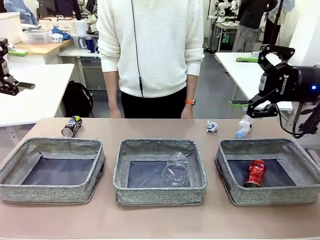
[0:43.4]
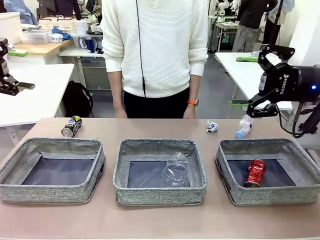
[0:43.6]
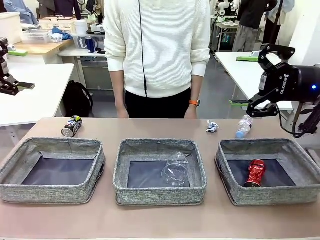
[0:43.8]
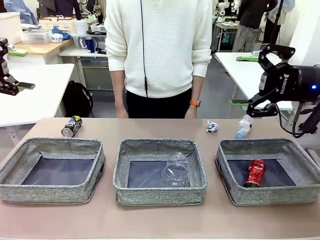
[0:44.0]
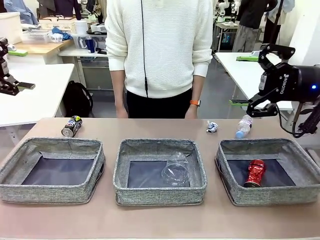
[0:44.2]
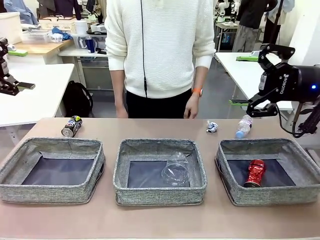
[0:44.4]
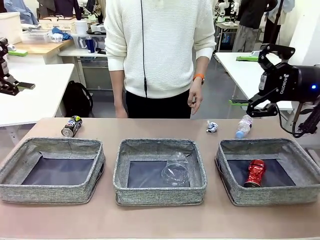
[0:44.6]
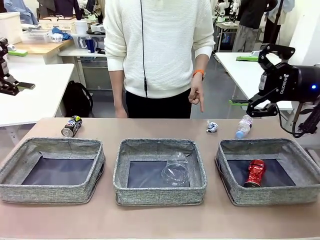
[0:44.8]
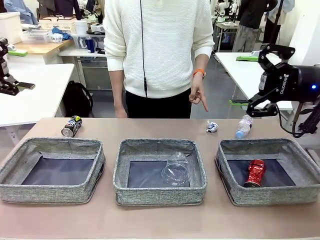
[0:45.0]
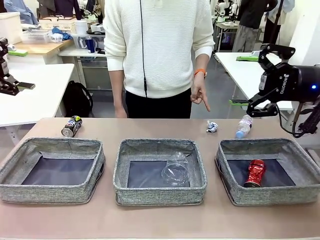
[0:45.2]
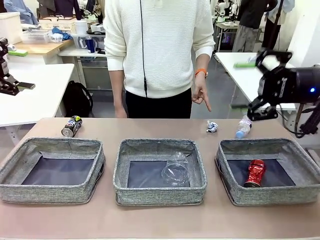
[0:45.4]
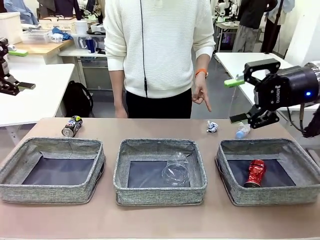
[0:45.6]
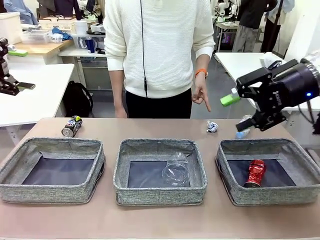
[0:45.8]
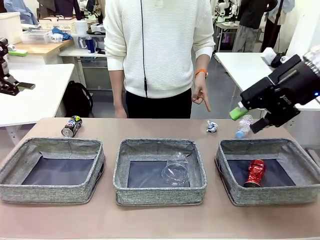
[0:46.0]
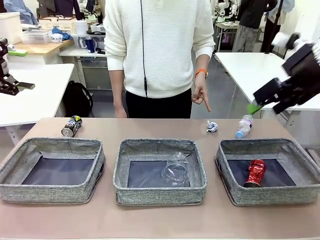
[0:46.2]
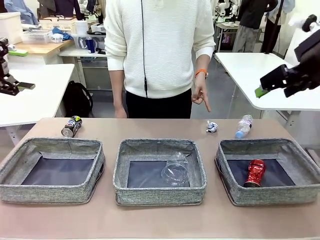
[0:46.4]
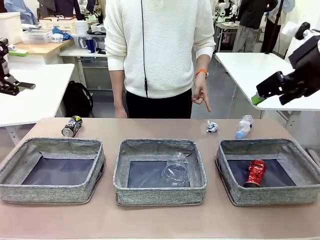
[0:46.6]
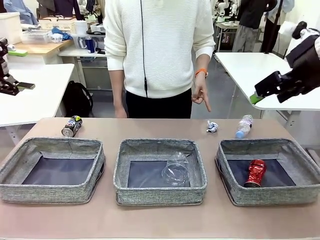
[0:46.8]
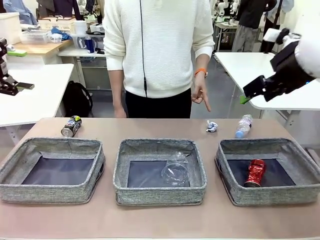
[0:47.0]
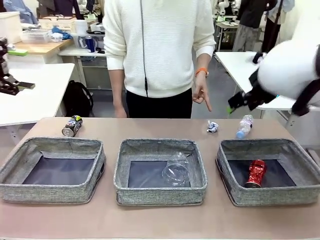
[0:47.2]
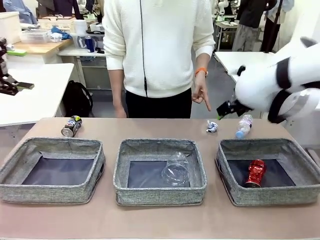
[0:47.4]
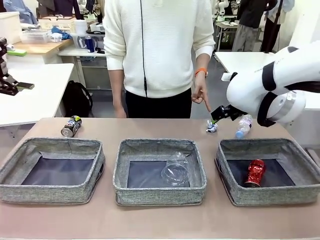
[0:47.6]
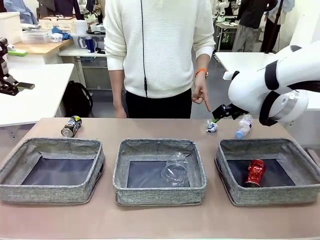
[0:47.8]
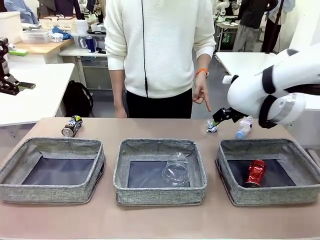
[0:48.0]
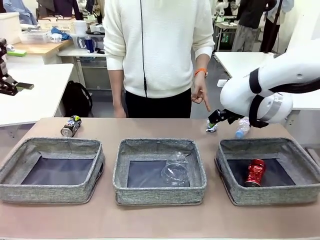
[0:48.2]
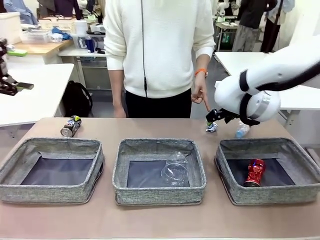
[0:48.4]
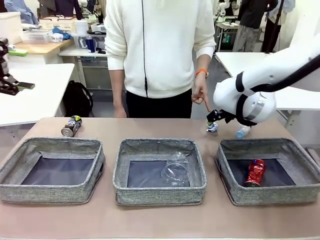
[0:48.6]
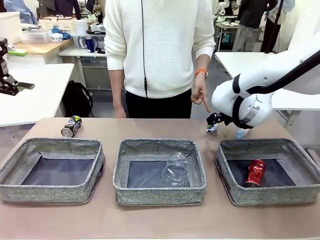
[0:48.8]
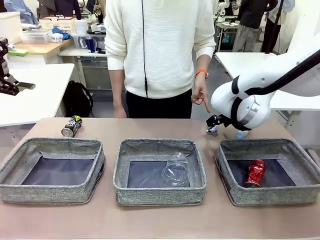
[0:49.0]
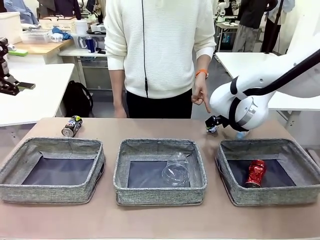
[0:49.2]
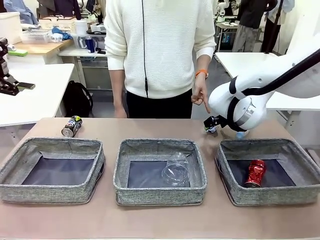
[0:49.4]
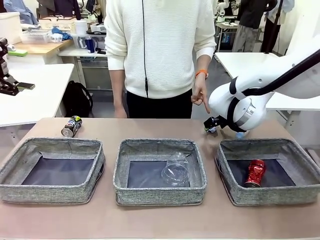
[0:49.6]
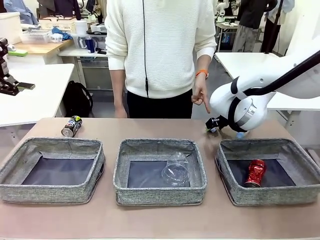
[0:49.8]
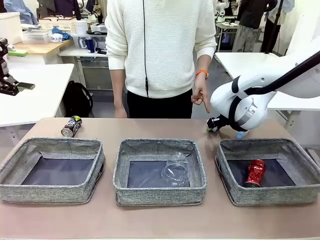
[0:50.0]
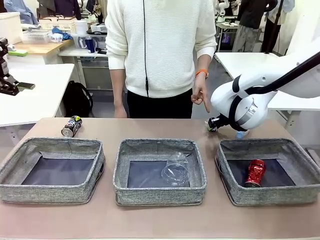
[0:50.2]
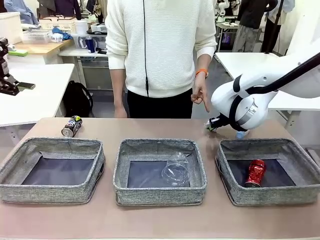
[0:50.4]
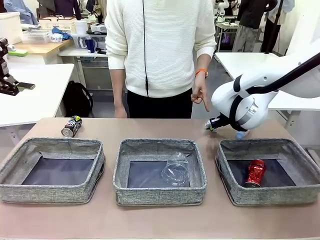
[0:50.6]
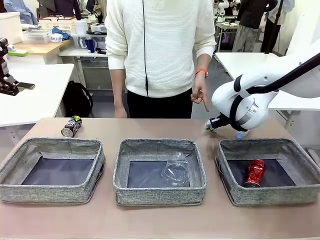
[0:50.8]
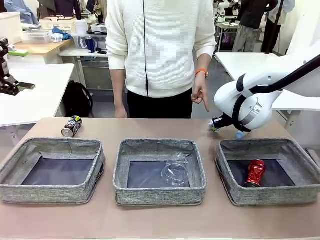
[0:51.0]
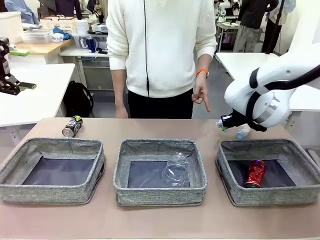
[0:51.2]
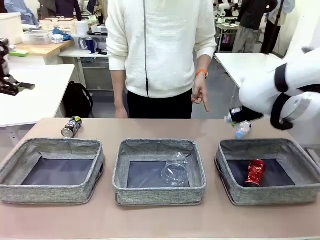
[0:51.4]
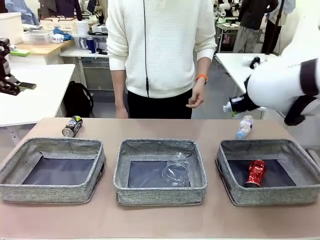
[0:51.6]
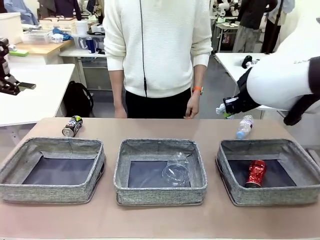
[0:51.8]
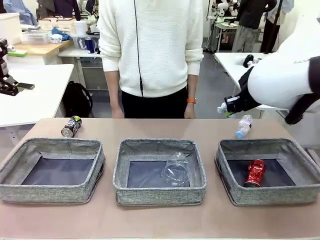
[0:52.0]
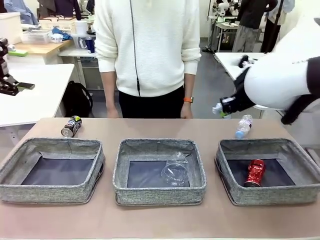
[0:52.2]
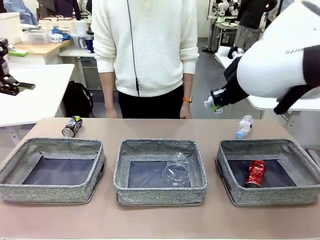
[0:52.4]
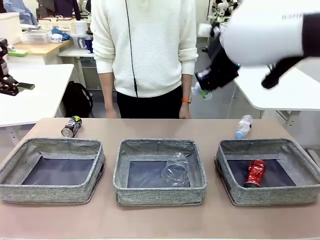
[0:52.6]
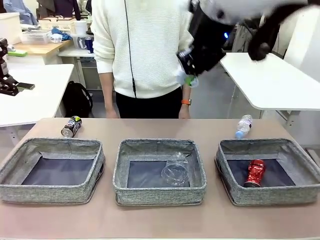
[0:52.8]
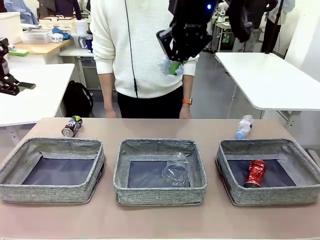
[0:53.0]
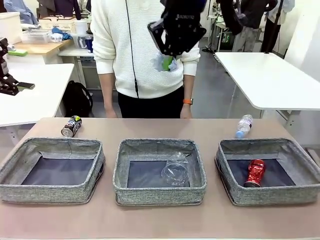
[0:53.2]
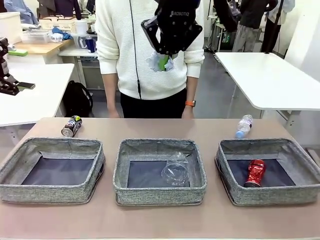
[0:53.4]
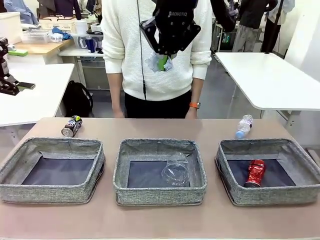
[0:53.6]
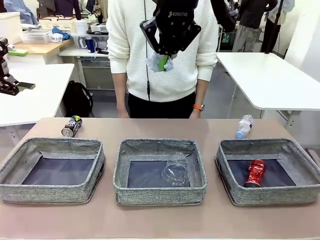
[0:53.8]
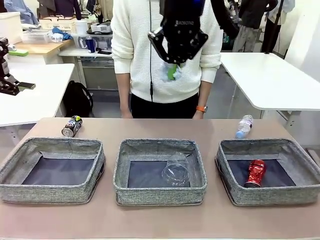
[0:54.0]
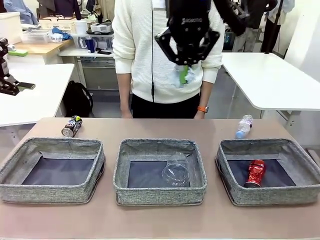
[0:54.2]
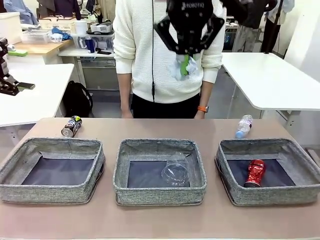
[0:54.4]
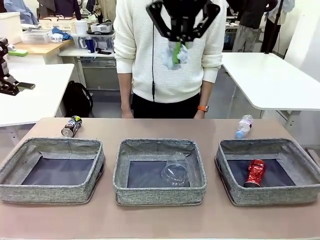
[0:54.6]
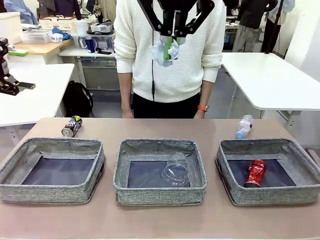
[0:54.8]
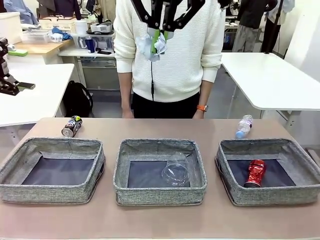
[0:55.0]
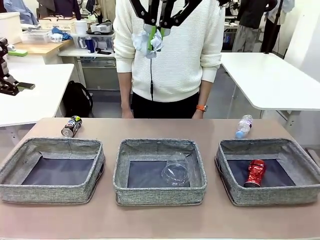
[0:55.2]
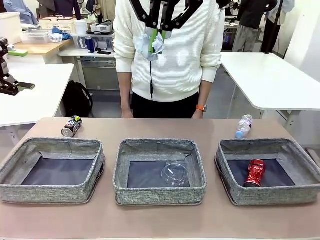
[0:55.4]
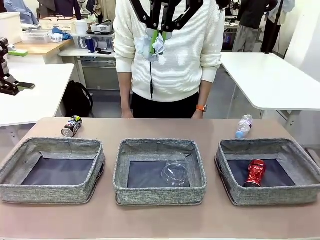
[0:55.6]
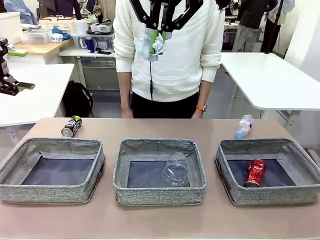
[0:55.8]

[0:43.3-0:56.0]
Task: Sort the waste into the appropriate baskets.
Robot: Pick up the waste item pointed out by the person.
Person: Points to one piece of trash on the table.

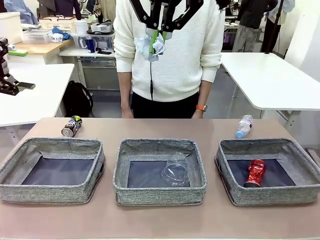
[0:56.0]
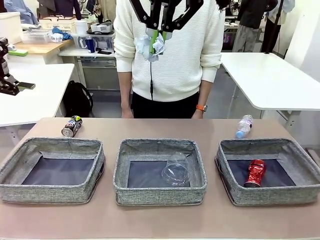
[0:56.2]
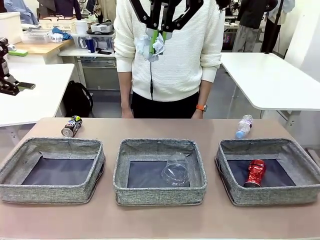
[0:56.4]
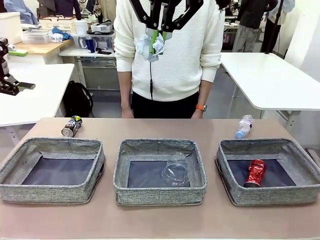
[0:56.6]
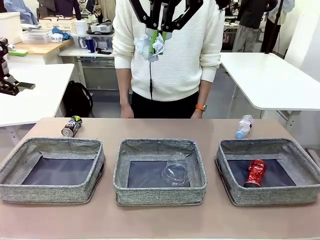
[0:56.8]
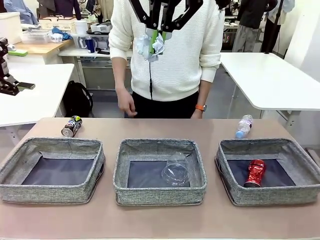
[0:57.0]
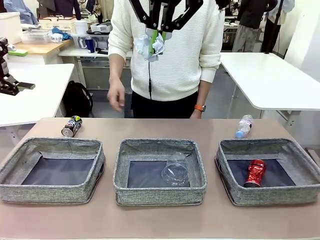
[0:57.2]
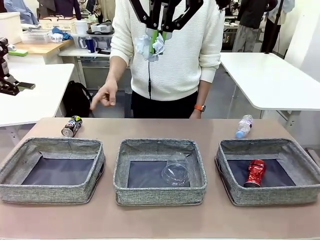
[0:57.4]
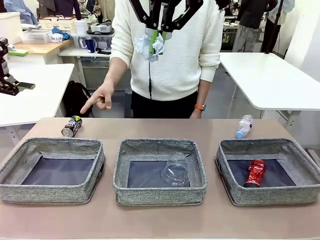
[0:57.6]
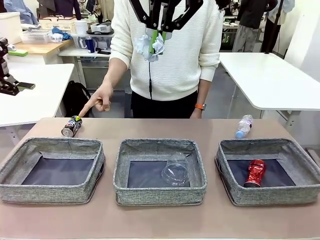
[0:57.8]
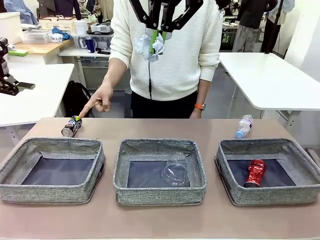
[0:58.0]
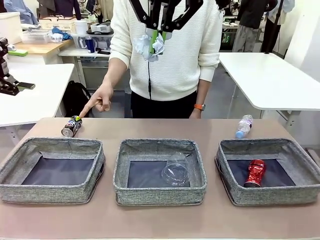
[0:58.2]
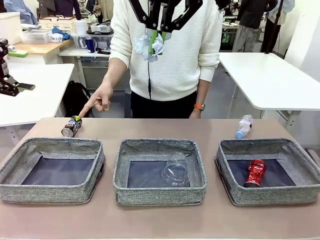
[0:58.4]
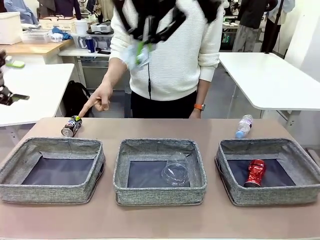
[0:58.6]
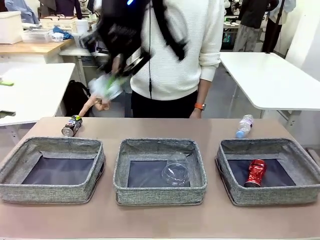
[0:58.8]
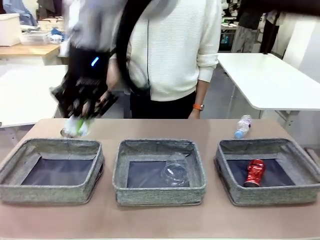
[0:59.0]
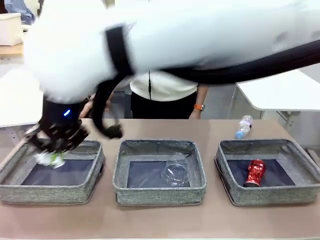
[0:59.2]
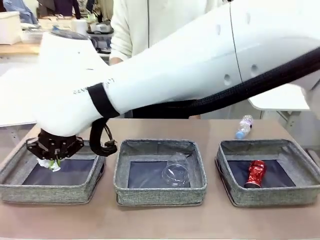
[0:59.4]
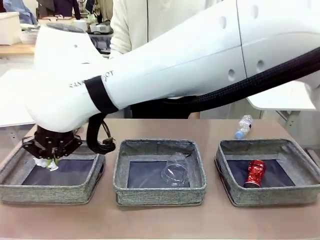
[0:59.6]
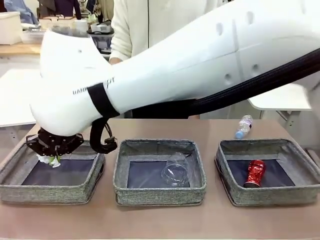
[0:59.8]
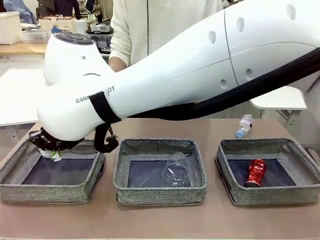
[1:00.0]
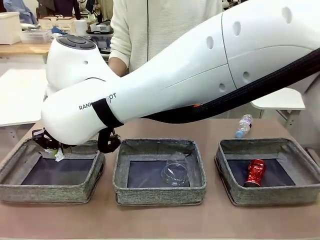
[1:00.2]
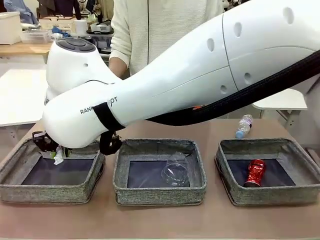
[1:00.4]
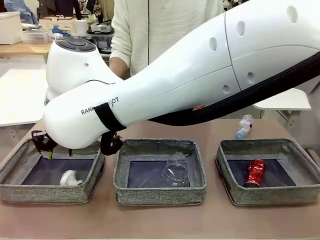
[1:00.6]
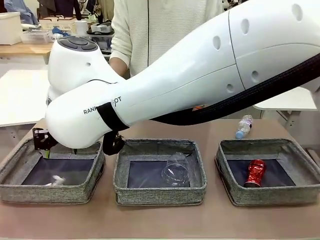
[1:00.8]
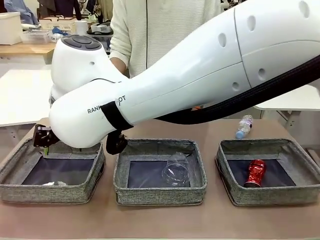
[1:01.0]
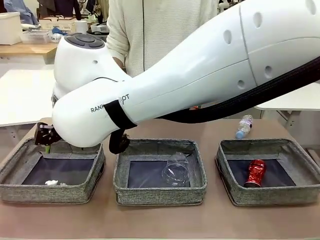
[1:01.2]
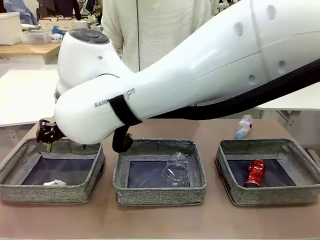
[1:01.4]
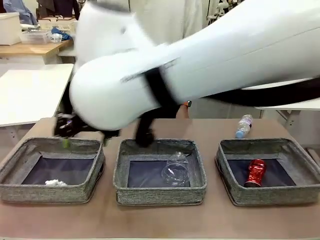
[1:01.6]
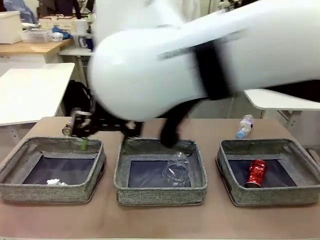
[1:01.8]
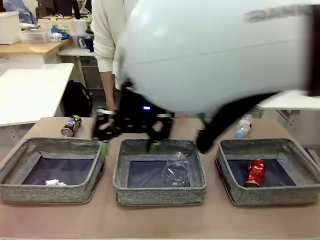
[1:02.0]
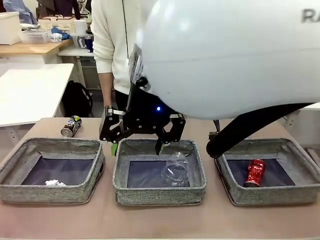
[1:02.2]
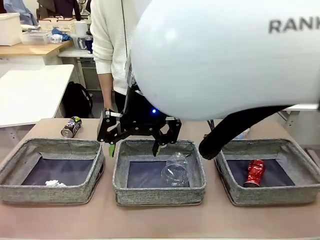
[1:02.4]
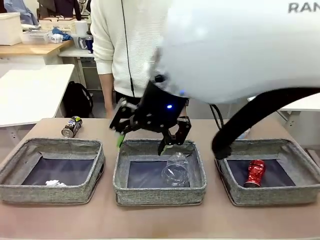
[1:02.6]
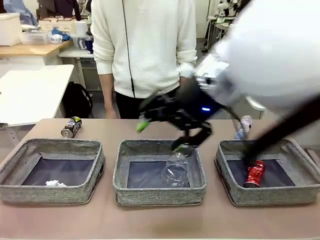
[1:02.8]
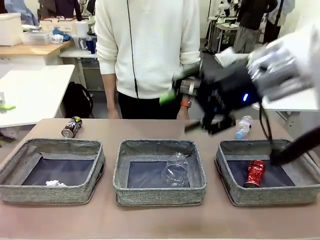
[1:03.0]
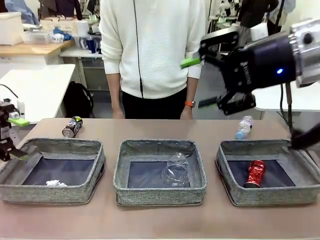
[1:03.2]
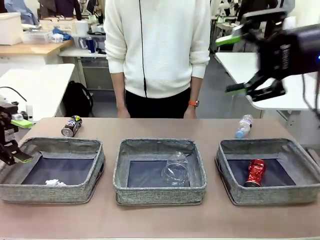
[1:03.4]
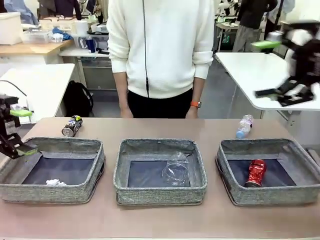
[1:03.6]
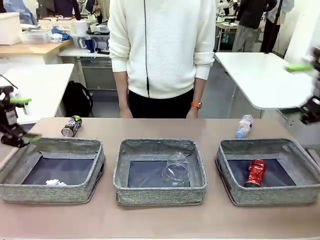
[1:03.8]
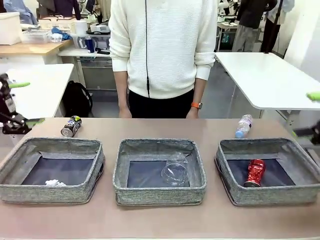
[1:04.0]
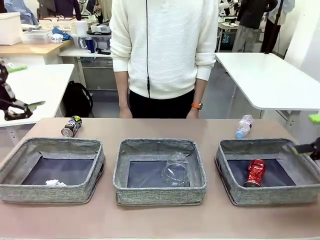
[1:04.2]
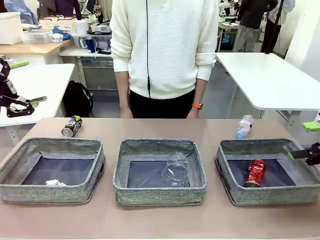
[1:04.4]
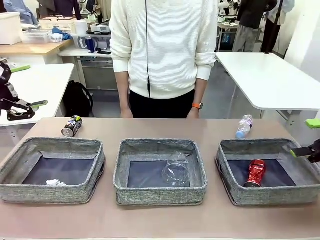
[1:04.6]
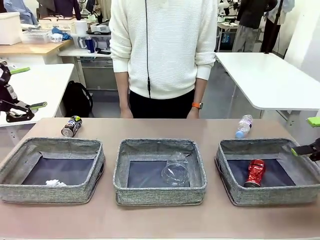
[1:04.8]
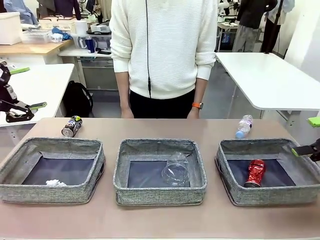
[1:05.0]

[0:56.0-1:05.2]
Robot: Place the picked waste into the Fabric basket indicated by the person.
Person: Instructs the robot to place the picked-up trash into the appropriate organizing basket.
